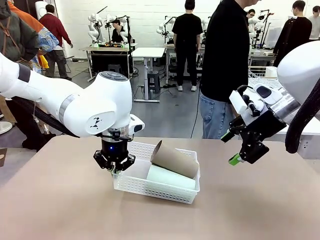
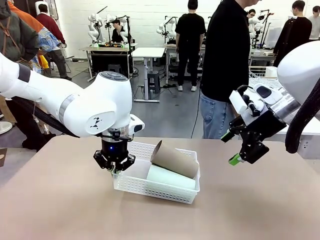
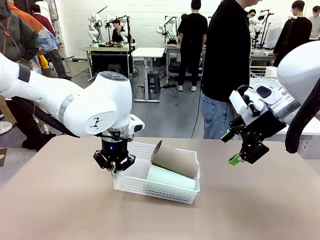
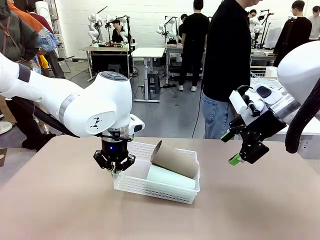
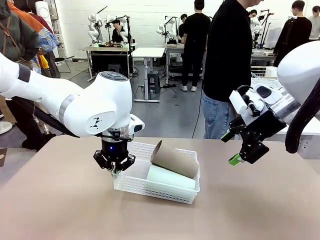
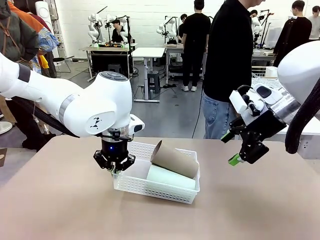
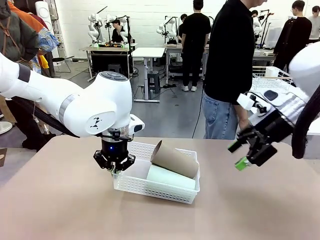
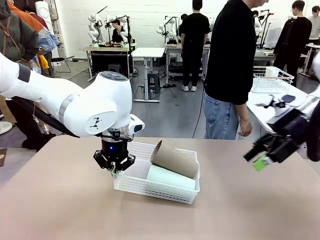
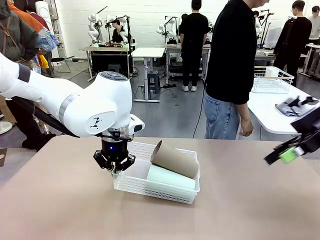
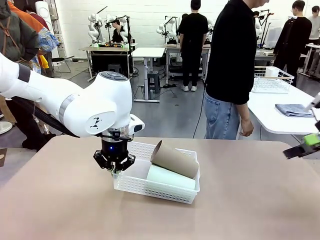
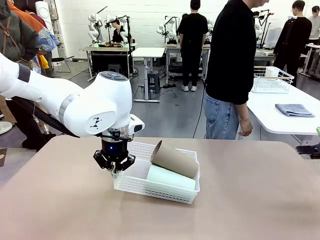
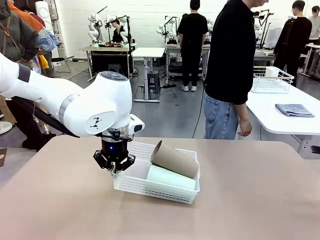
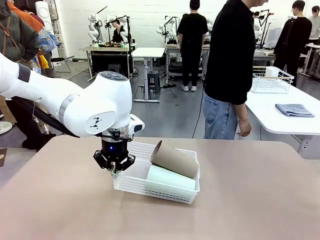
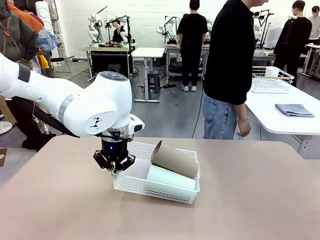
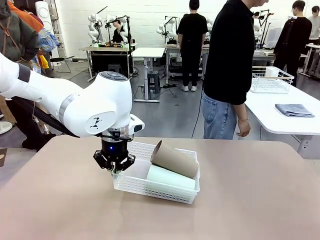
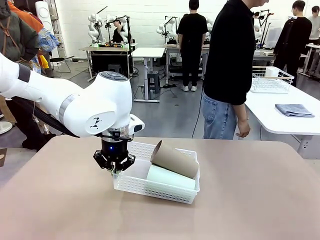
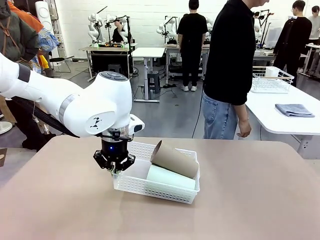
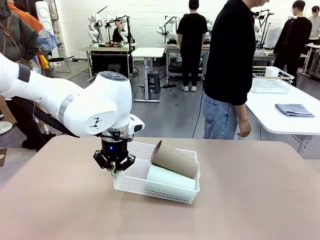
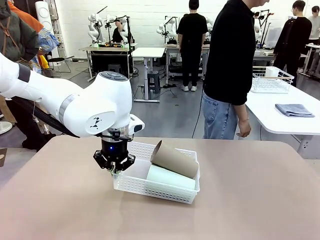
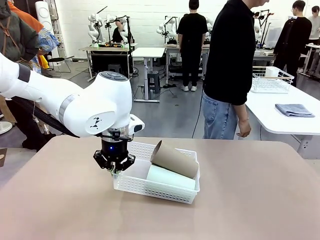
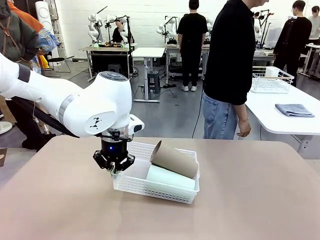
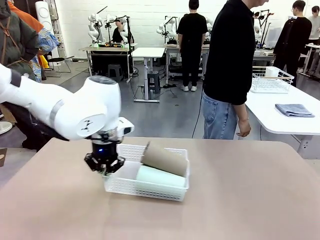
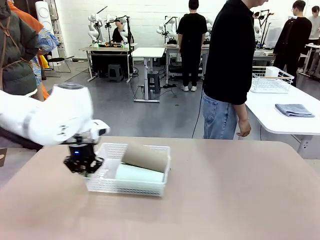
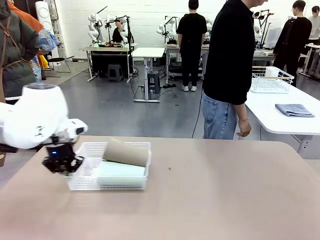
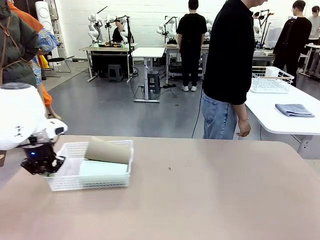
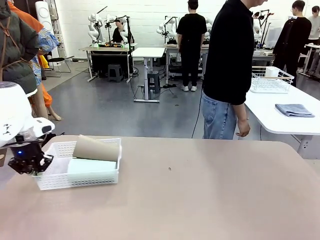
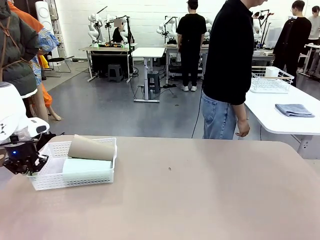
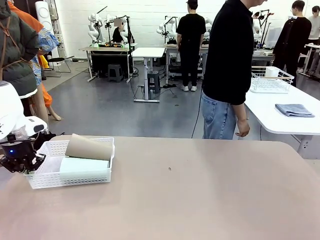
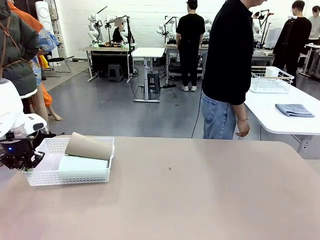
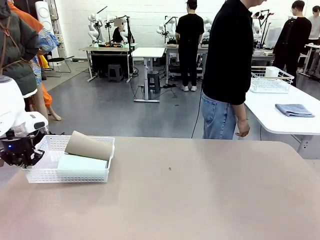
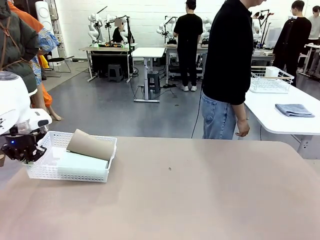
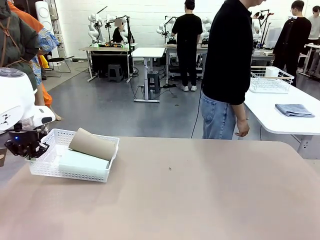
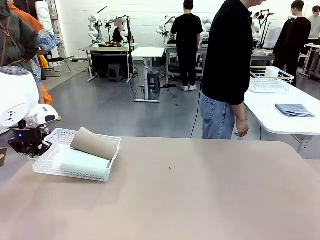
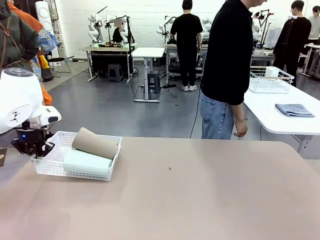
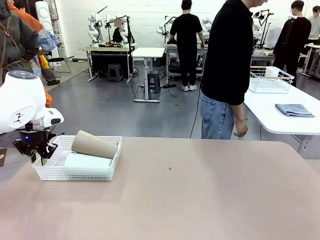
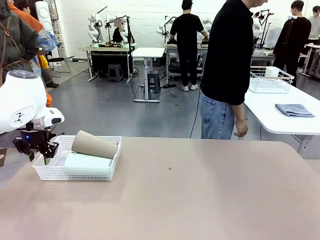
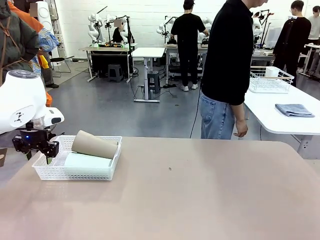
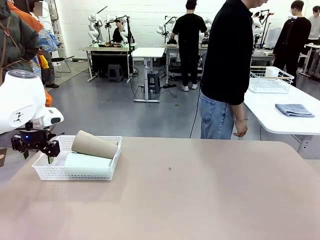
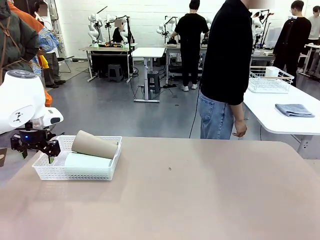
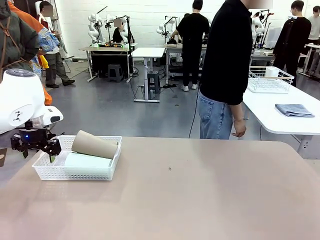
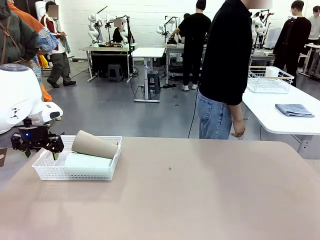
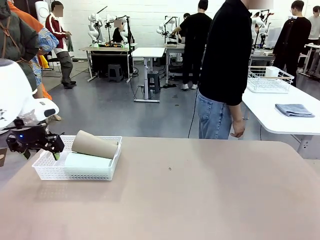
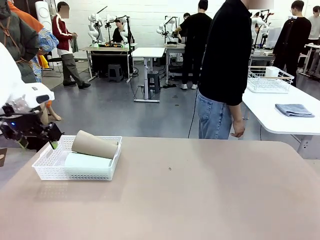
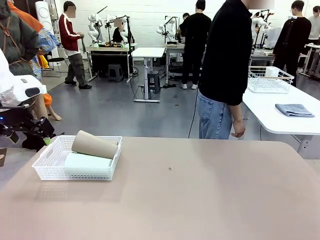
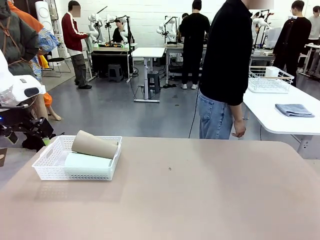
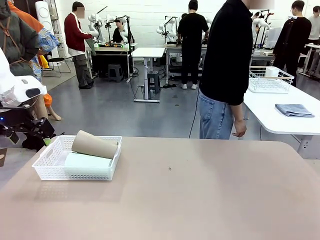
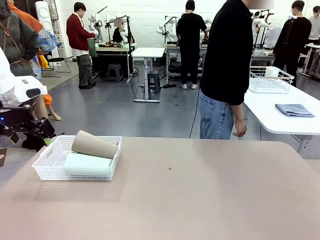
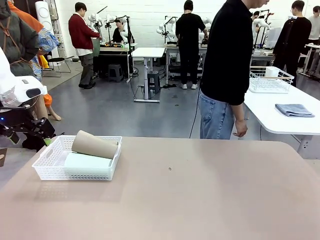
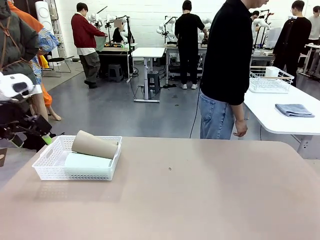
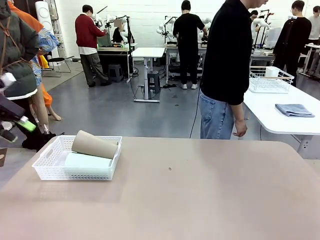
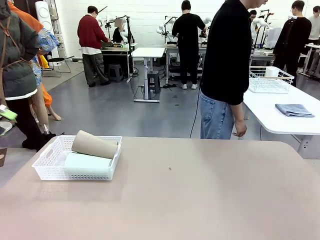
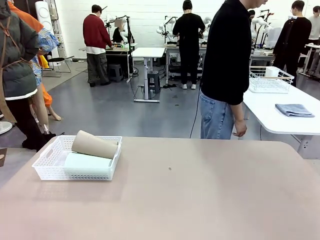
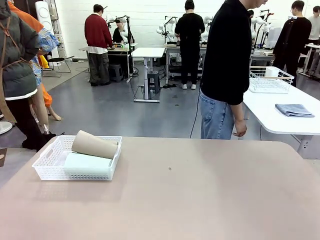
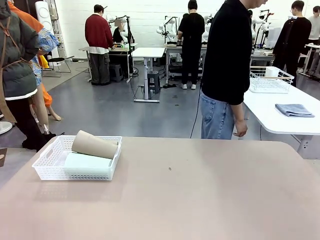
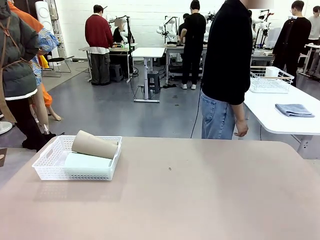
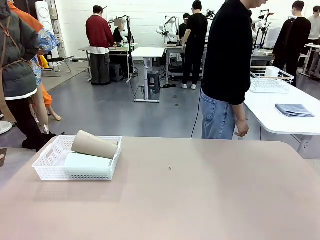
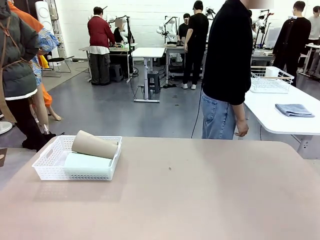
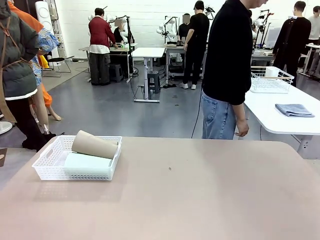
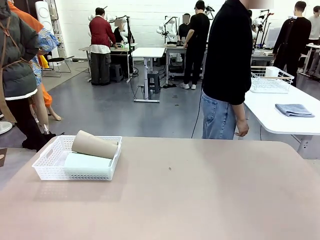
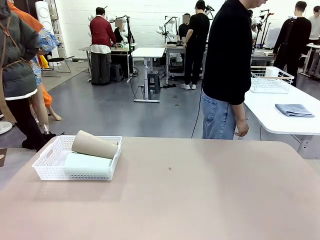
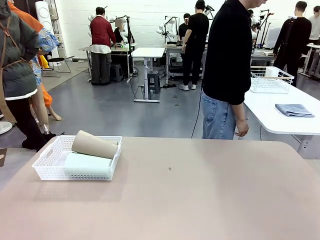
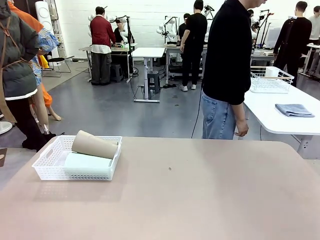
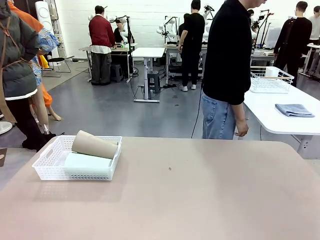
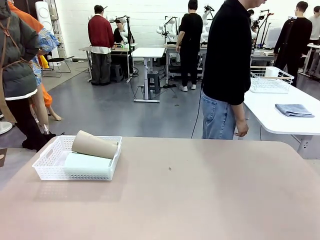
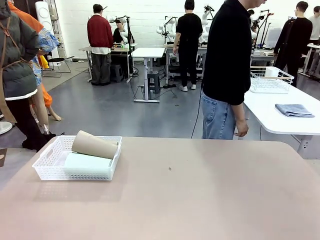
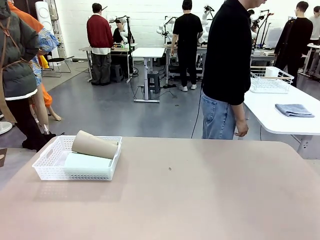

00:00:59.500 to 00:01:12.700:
Task: Clean and organize the cups into the basket.
Robot: Move the Organizing basket back to the left side of the table.
Person: Folds the towel in half twice and places it in the right of the table.
